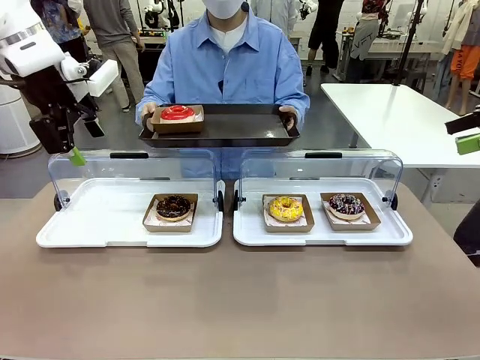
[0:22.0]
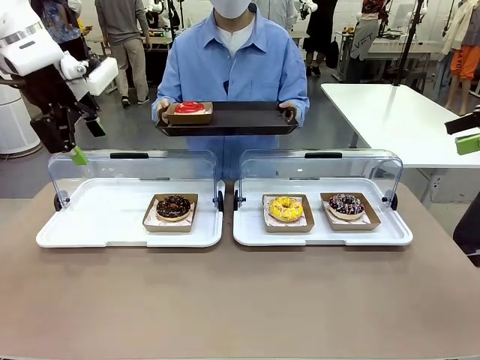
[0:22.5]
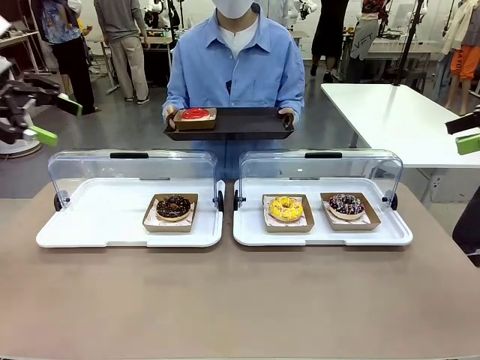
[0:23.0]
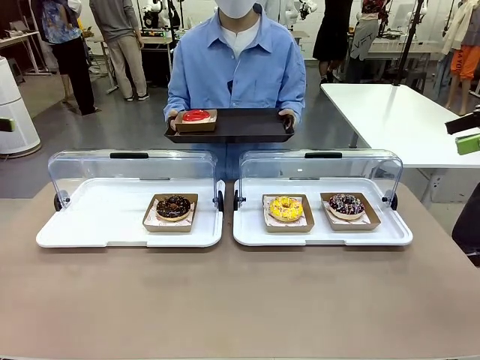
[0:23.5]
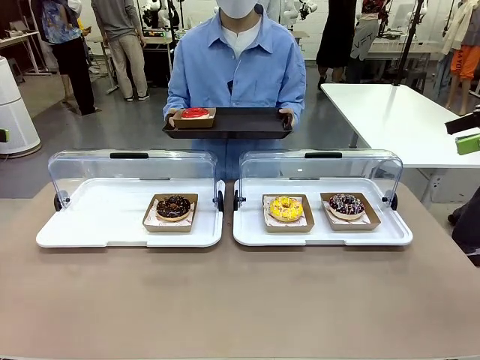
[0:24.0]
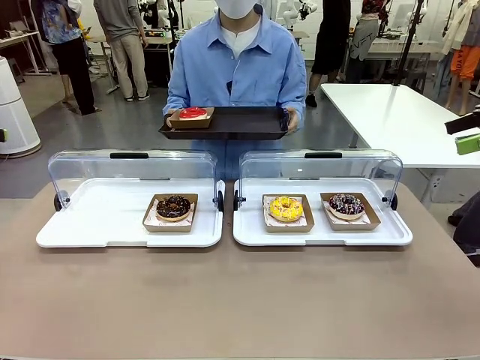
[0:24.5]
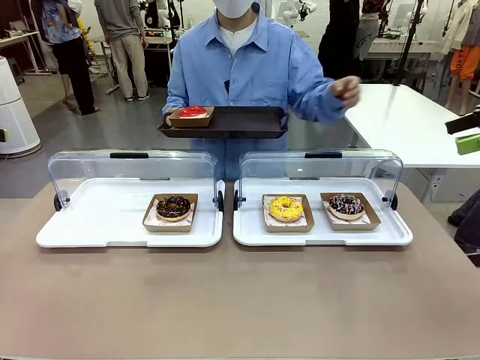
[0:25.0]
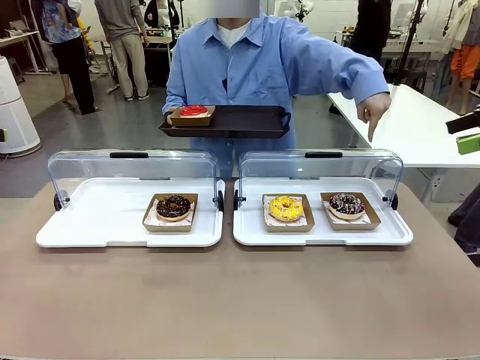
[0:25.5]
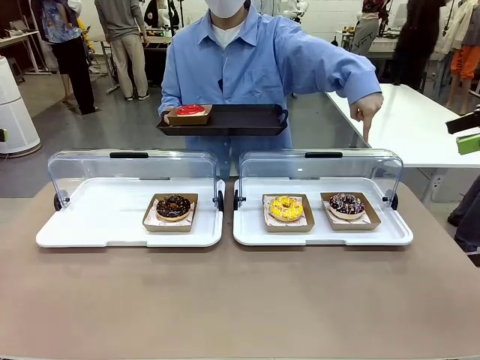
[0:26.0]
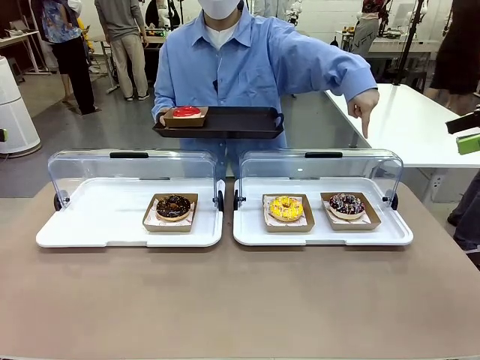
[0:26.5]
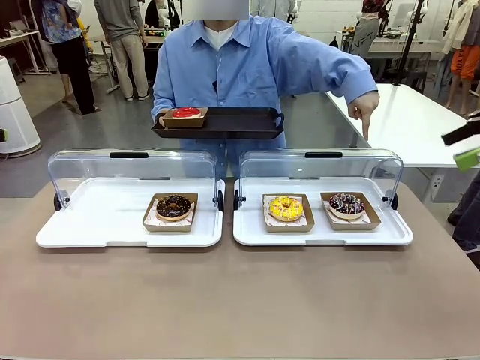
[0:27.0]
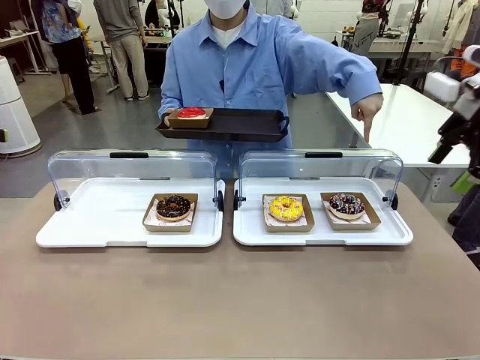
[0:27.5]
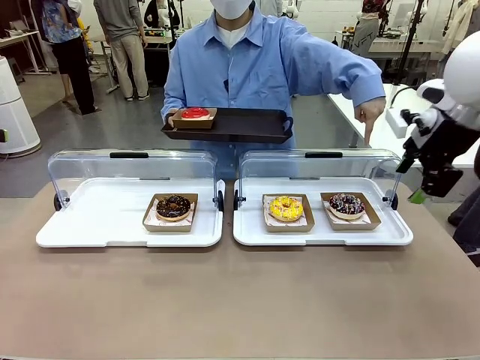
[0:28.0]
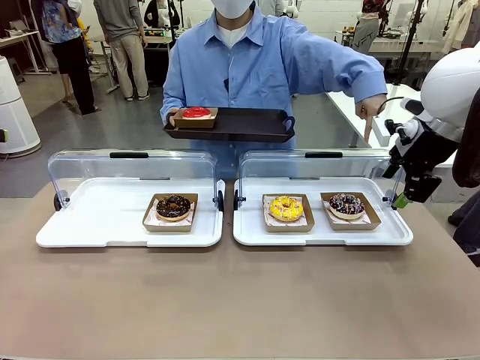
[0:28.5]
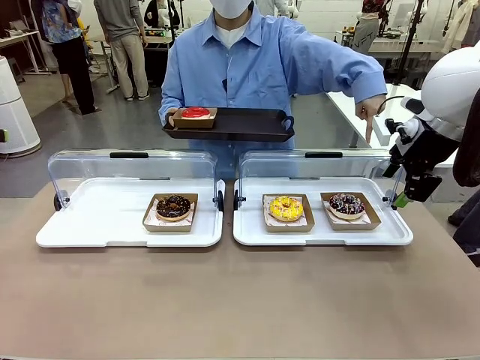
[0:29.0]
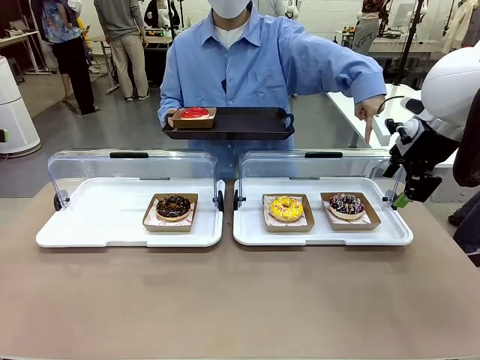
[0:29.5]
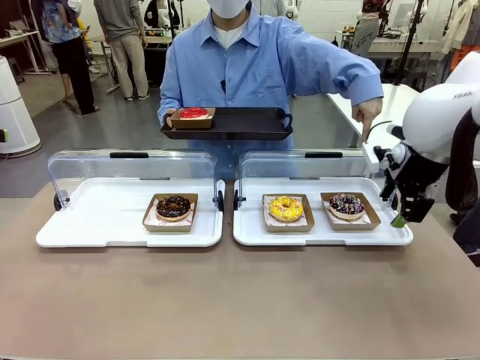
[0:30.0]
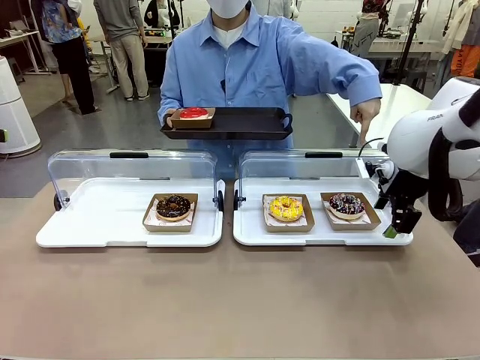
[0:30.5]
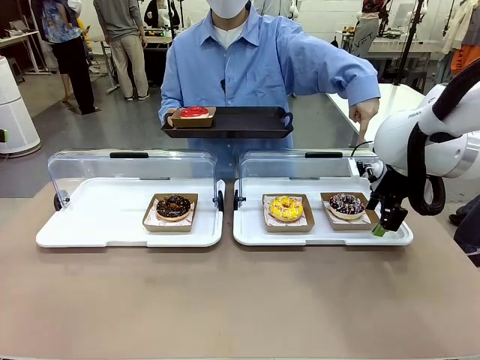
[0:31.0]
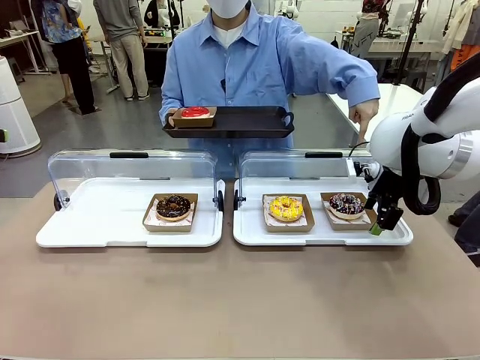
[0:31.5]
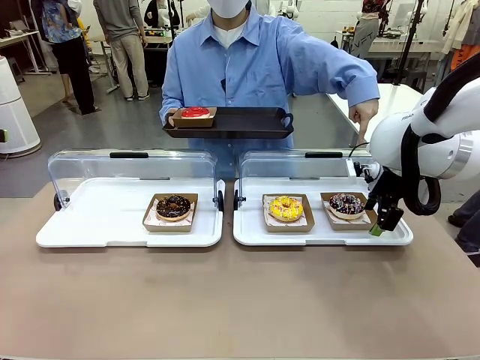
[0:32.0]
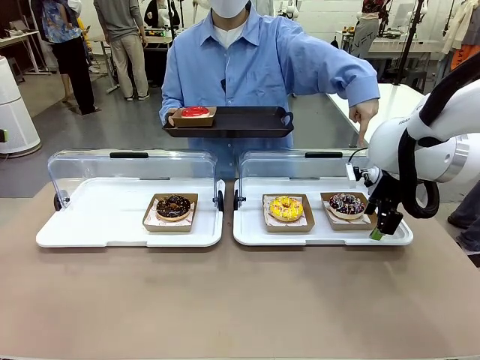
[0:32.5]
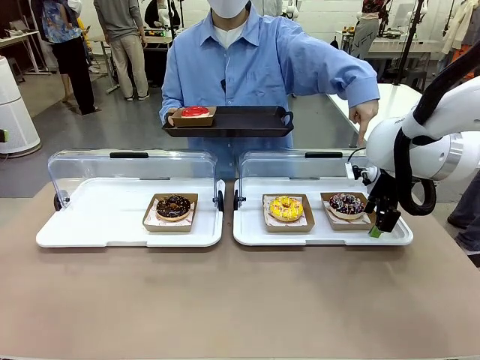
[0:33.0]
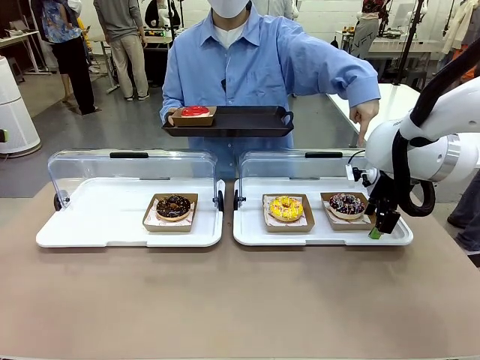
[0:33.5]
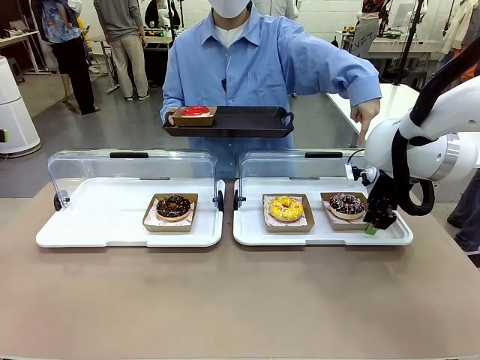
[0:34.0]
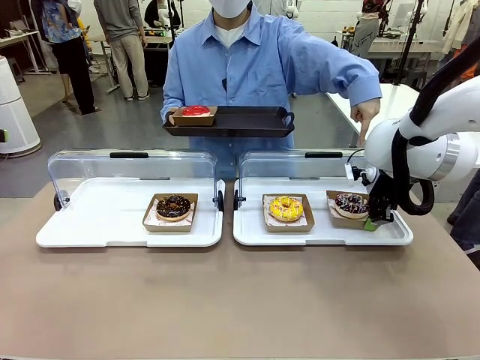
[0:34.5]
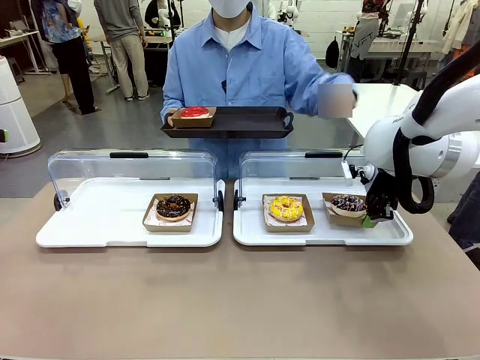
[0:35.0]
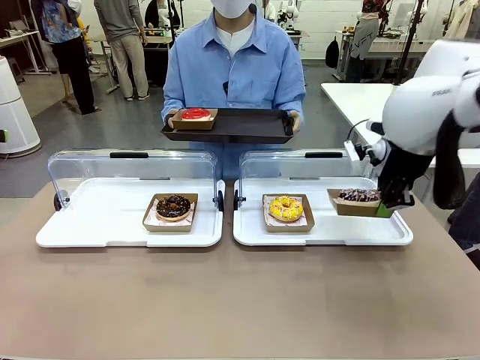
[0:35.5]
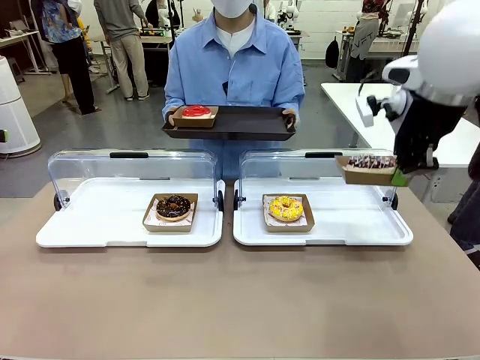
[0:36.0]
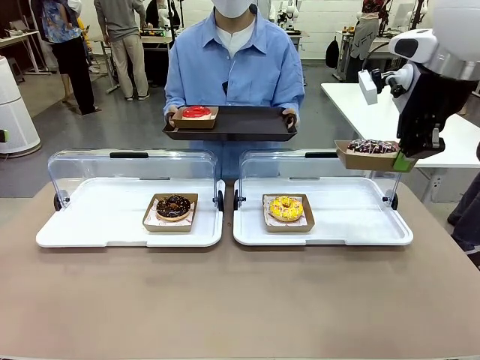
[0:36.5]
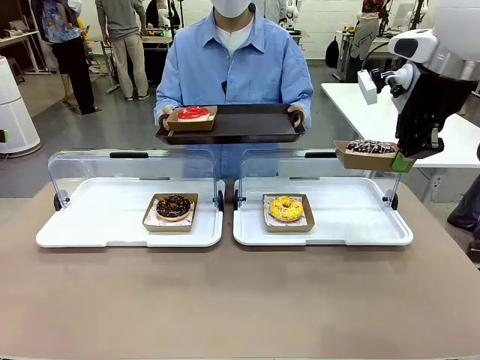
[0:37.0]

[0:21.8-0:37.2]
Task: Provide the desired donut to the person.
Robot: Pick up and lift the Paper togo box containing the Donut pointed at by the person.
Person: Point to one donut. Lift the tray onto the Roll-Top Bakery Case.

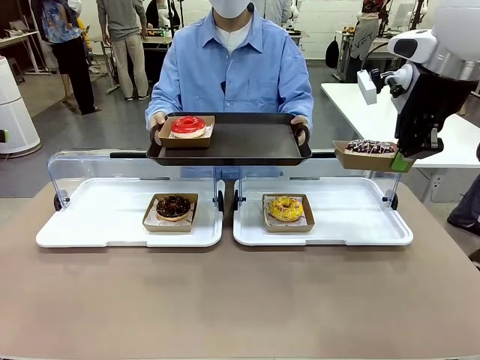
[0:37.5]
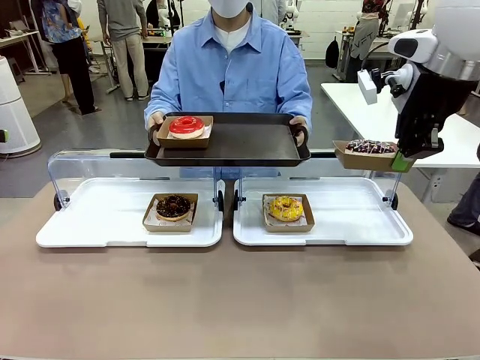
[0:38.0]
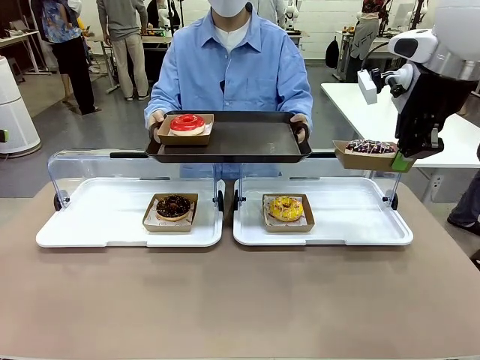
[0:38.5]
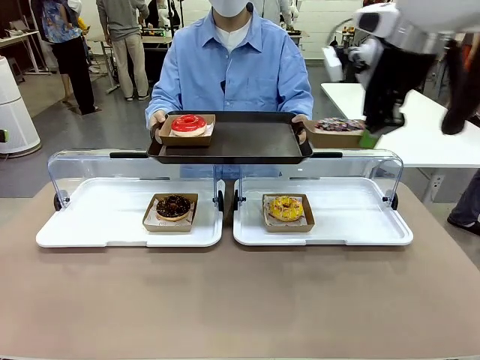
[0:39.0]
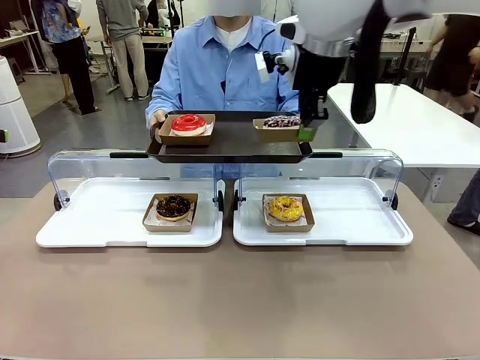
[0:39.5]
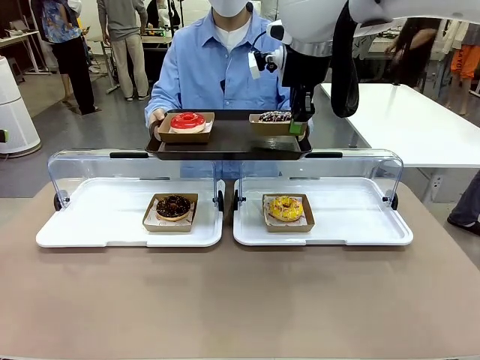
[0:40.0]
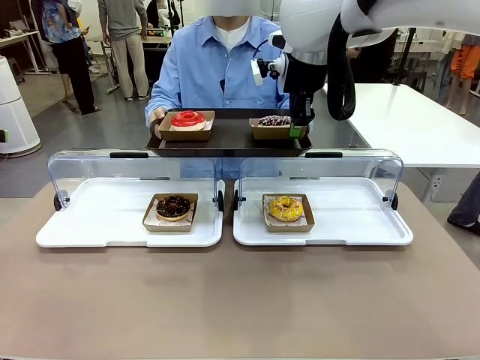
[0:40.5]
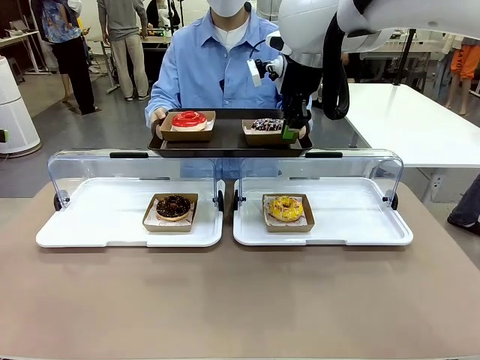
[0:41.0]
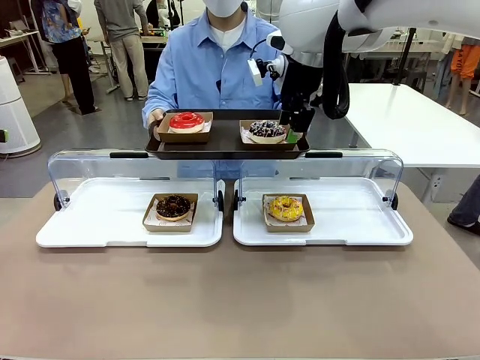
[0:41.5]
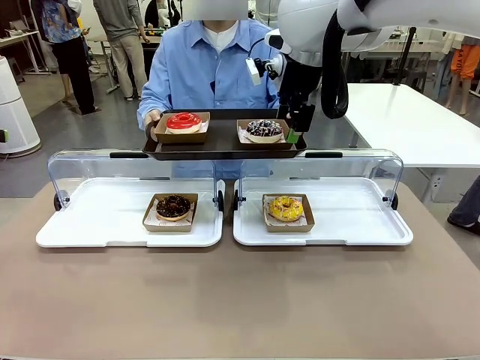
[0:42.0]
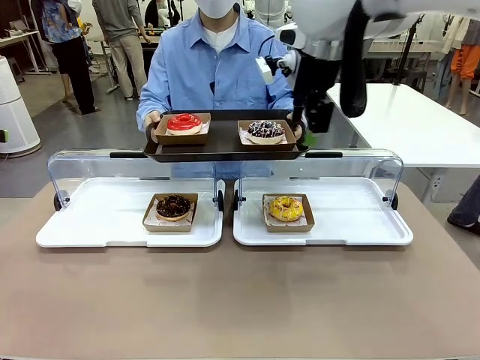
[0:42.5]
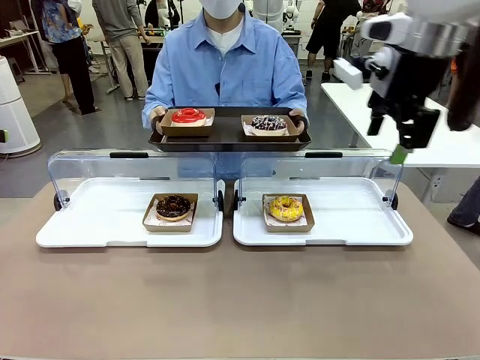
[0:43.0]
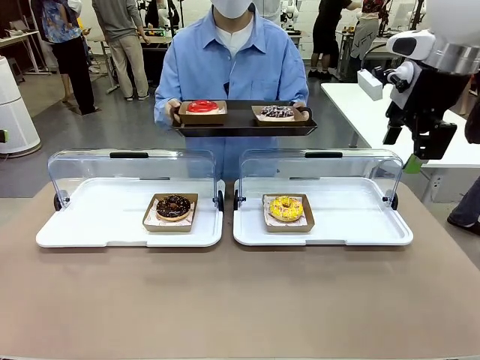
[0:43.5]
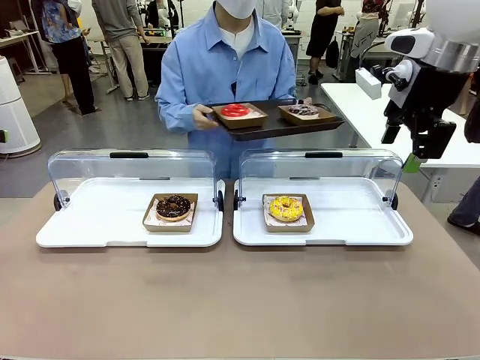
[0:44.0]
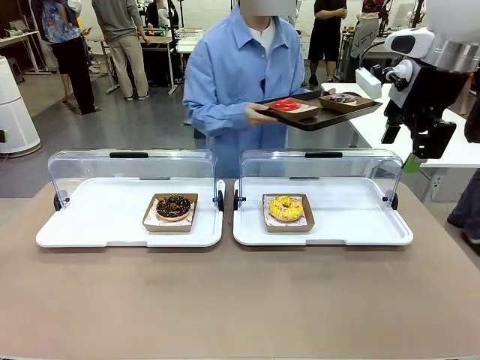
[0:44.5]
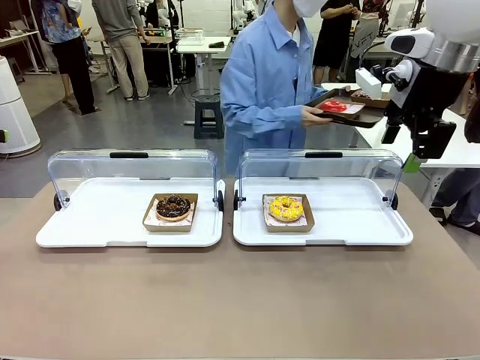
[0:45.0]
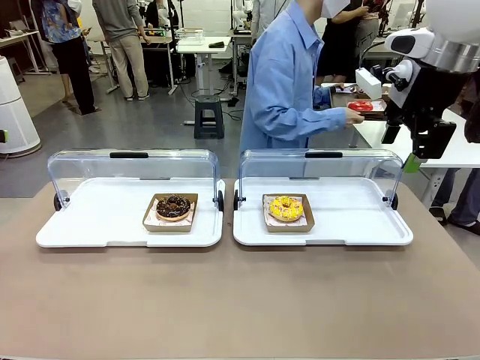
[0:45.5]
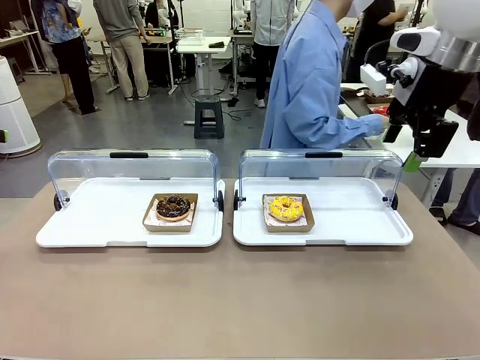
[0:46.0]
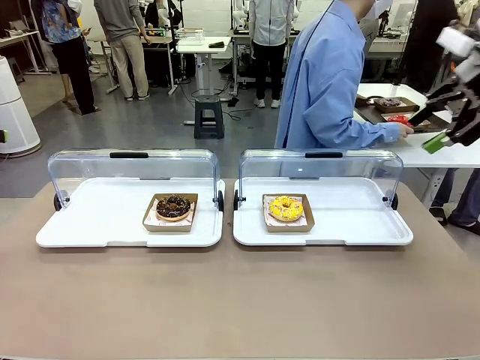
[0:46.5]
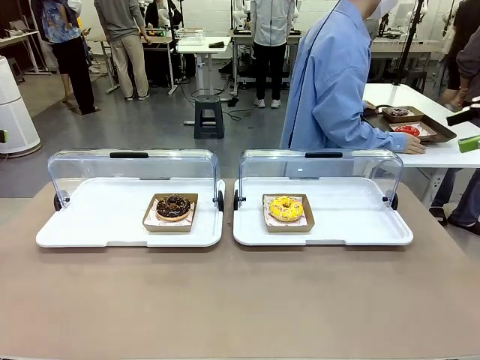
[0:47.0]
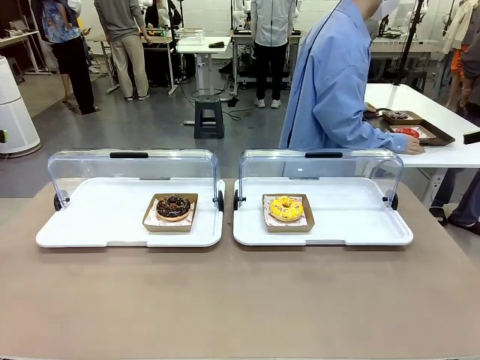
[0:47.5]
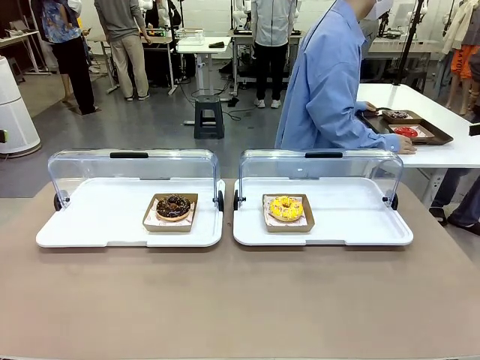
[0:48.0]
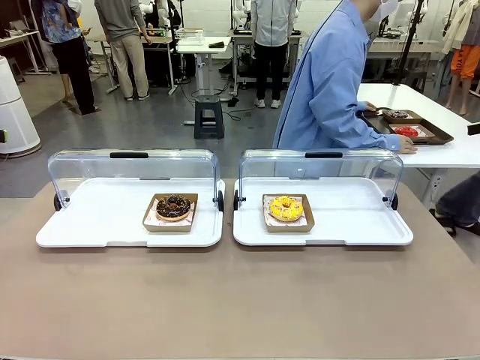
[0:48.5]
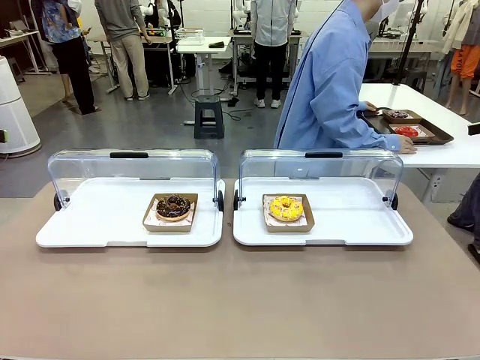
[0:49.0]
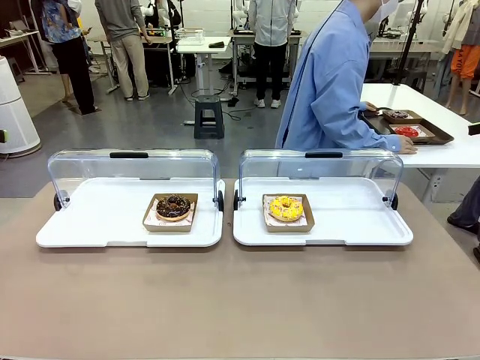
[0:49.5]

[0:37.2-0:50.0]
Robot: Place the picked Paper togo box onto the Handle tray extended by the person.
Person: Place the tray in the middle of the human table.
